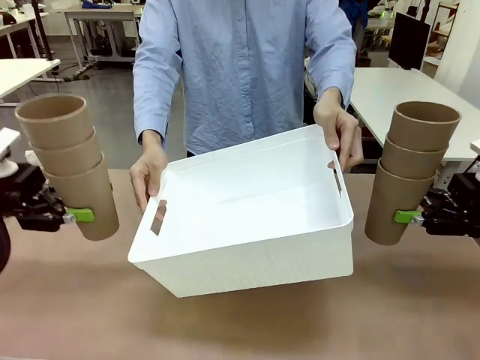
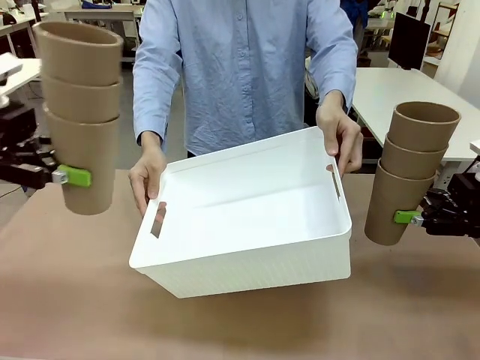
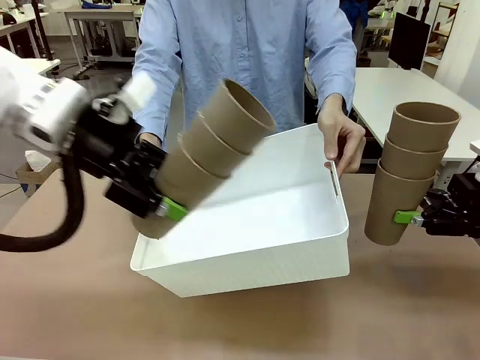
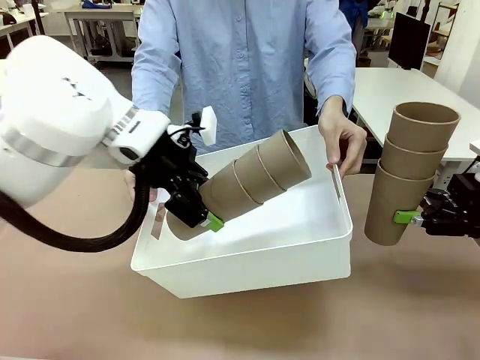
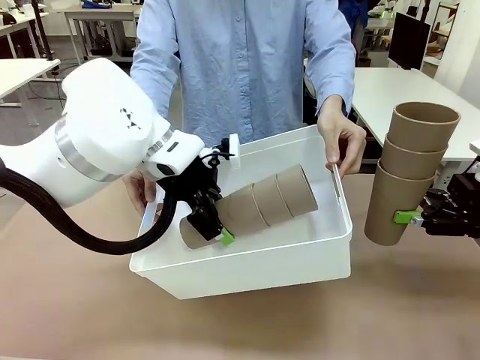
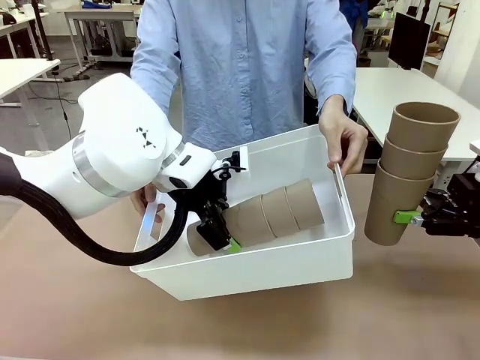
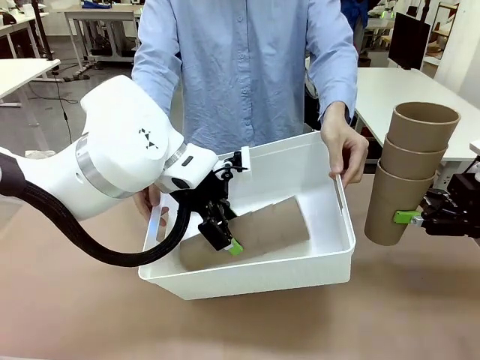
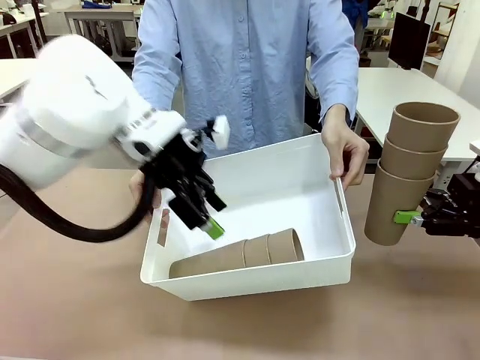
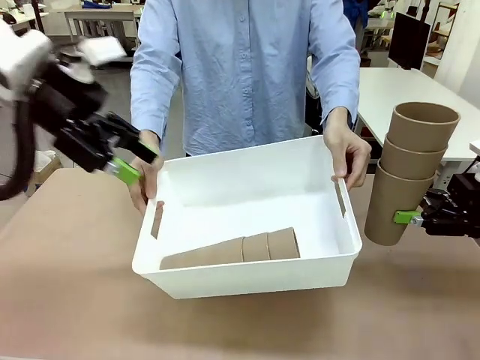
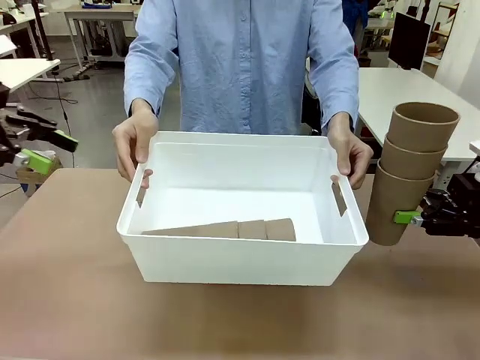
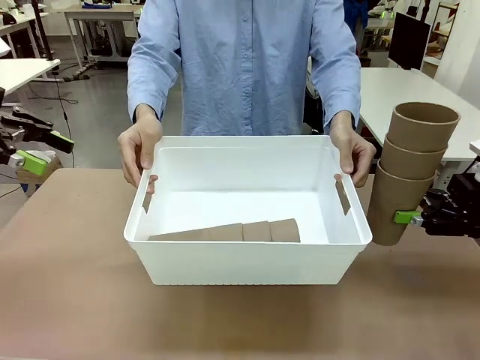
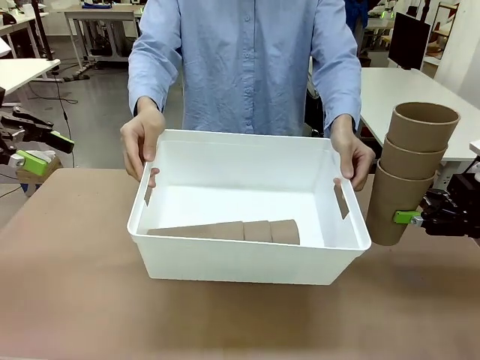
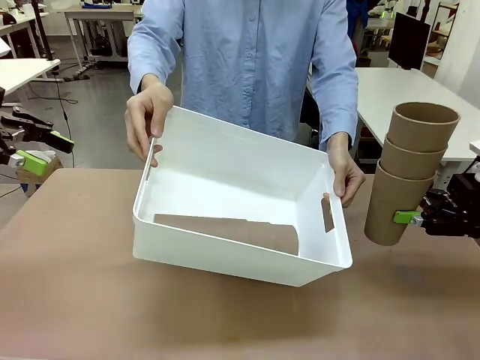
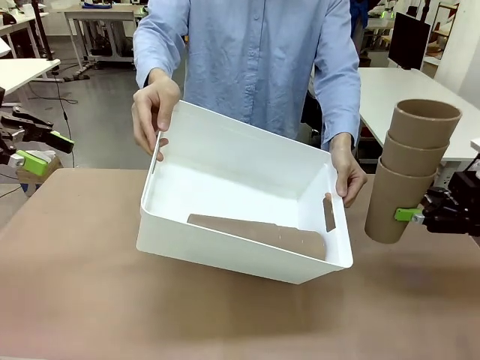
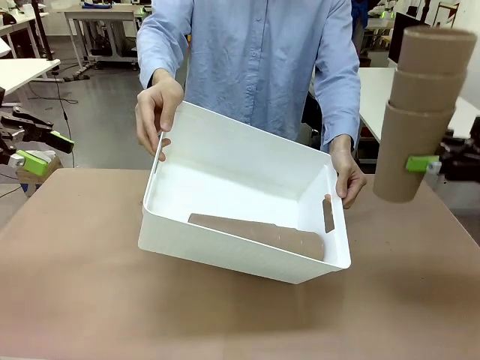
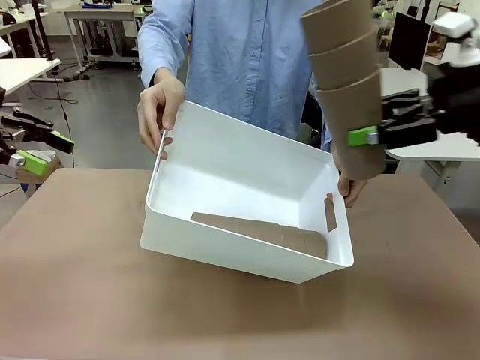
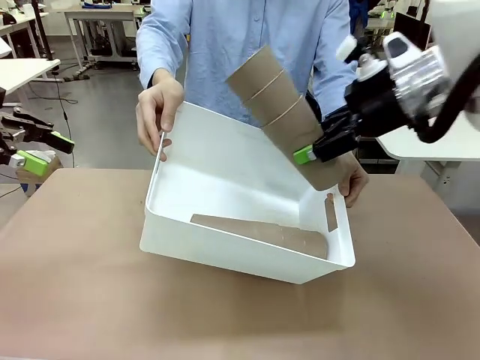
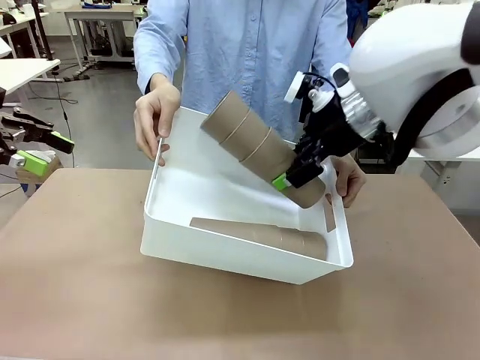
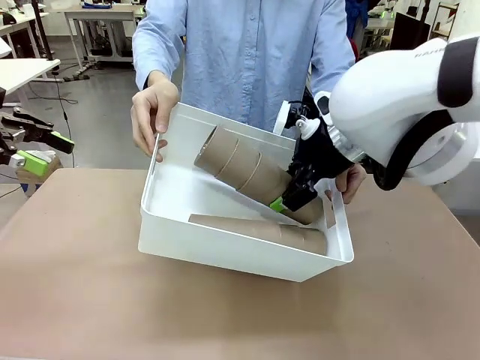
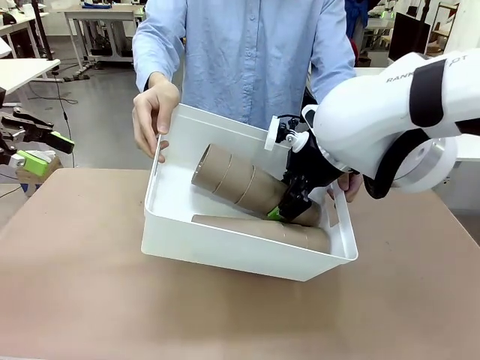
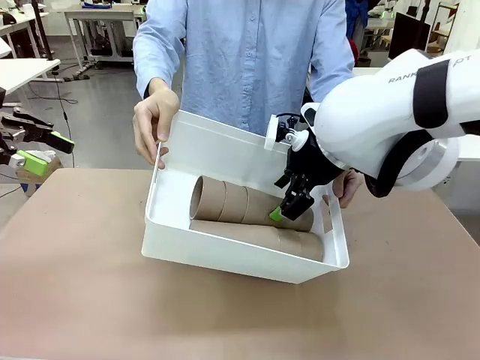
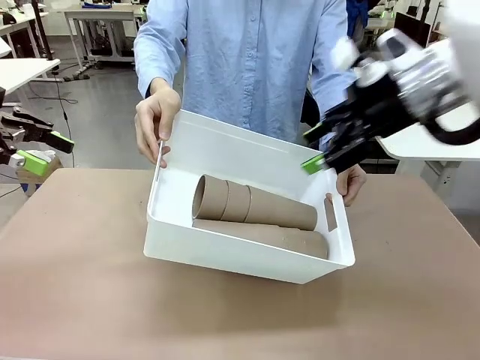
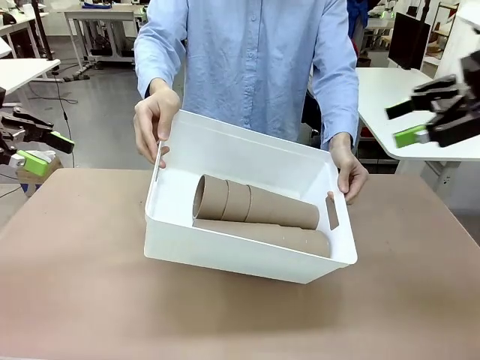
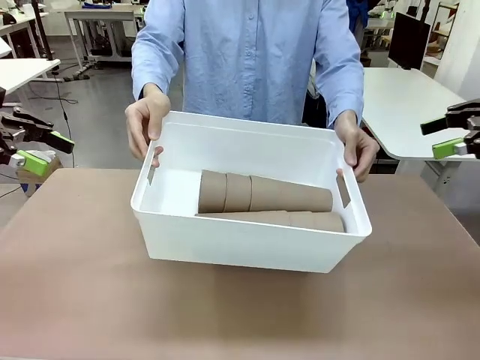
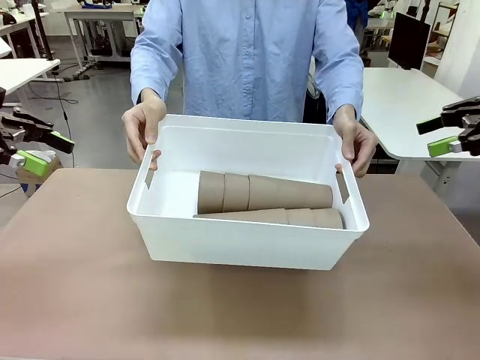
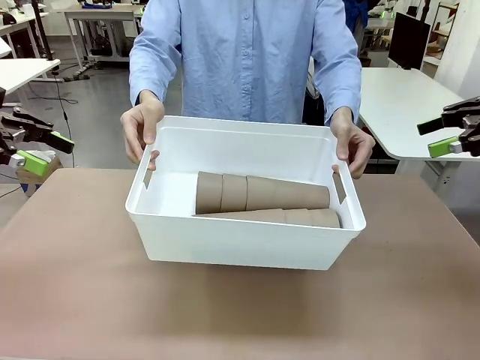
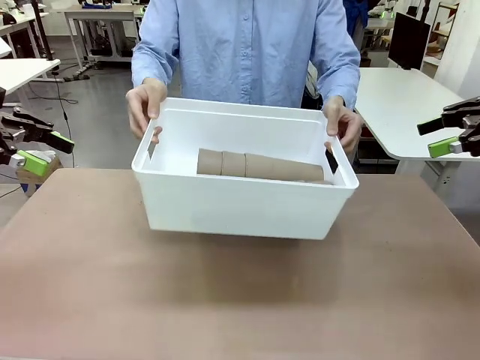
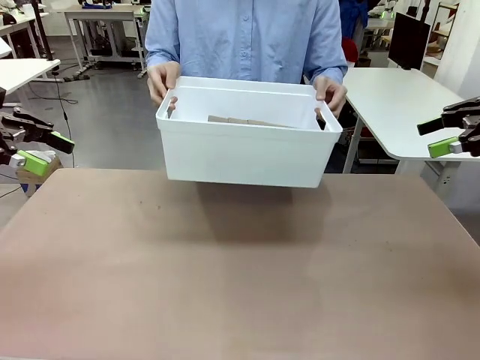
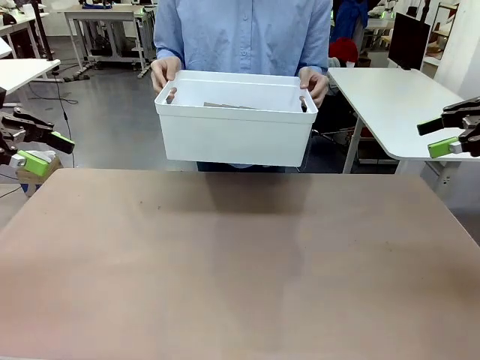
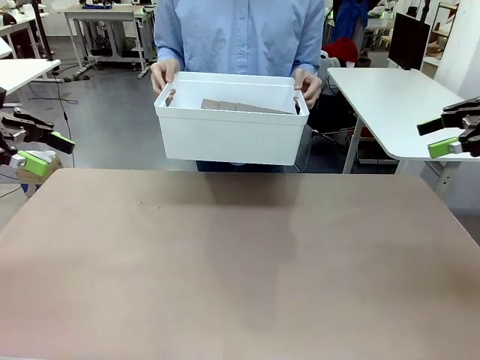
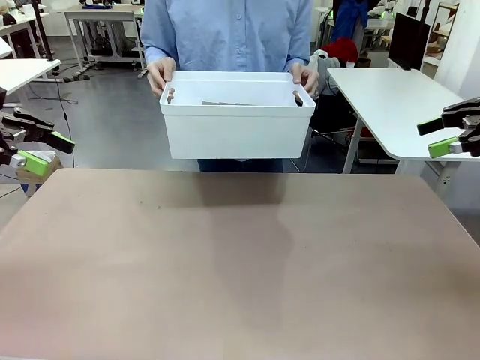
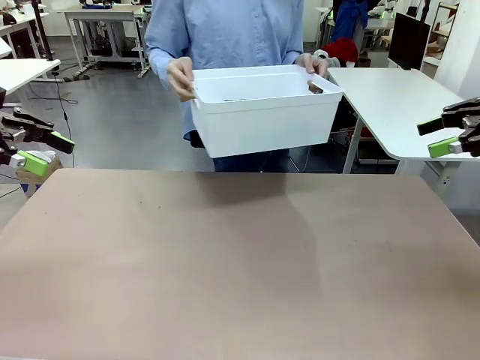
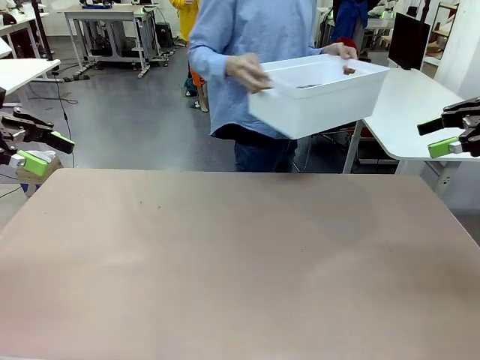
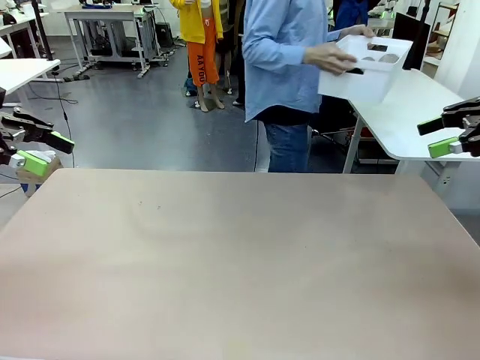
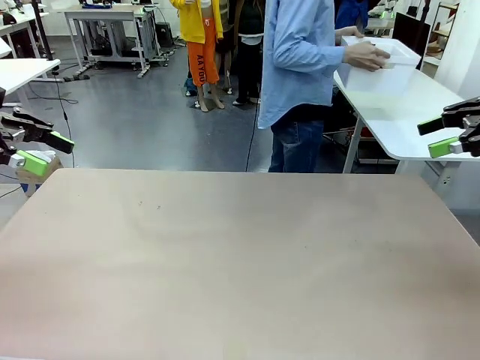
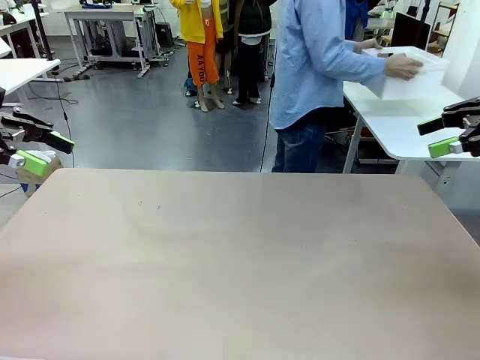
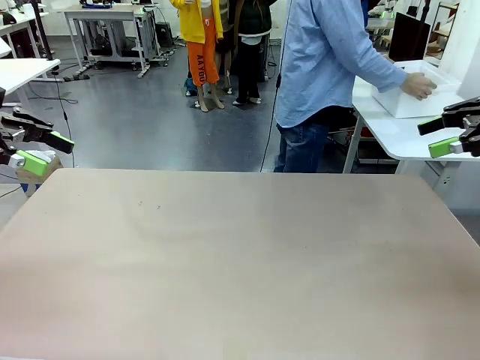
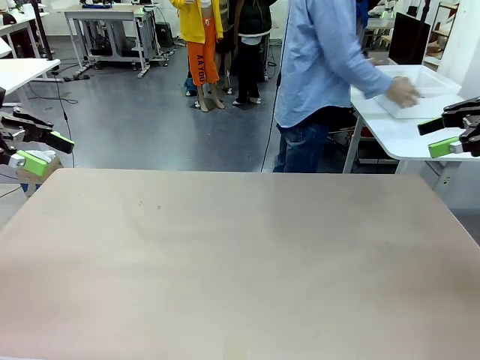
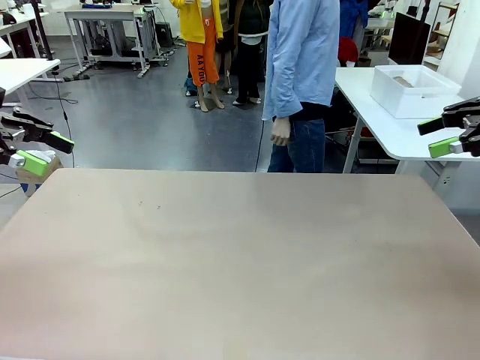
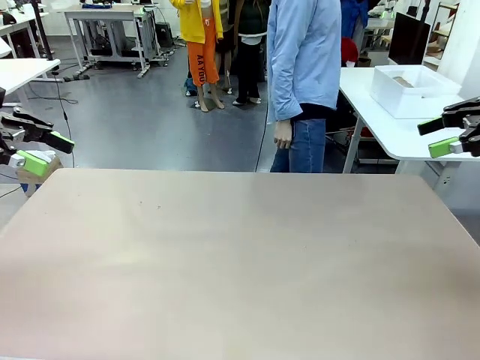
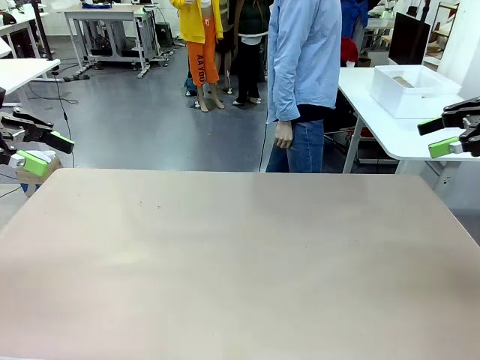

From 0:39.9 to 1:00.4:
Task: Stack the cups and store them in the basket.
Robot: Place the stack of Reusable plastic cups into the Pantry Basket.
Person: Place the basket containing the cups in the middle of the Human Table.

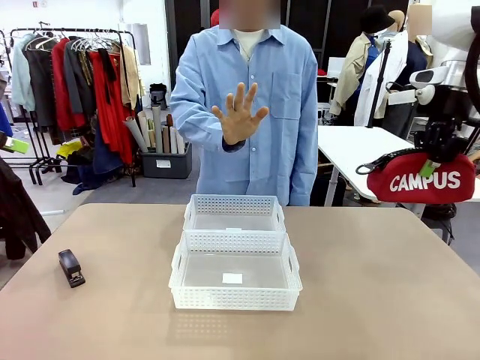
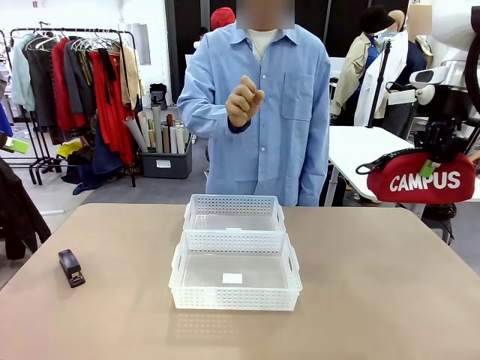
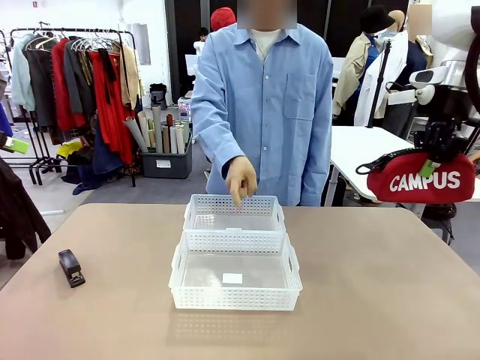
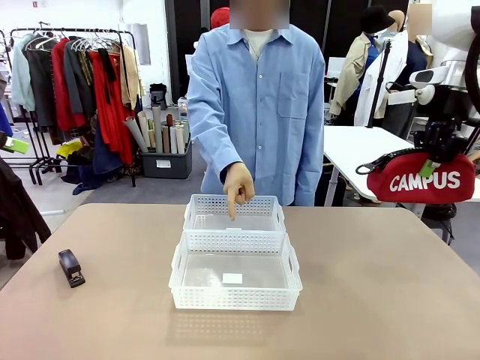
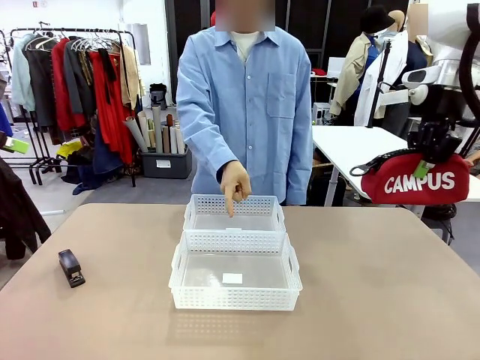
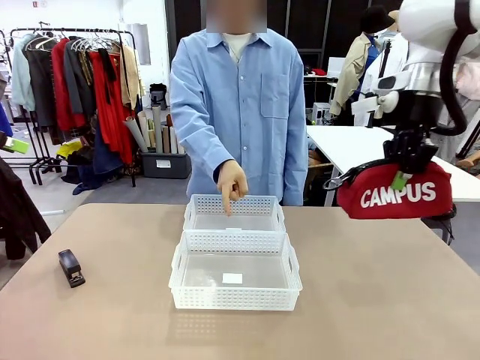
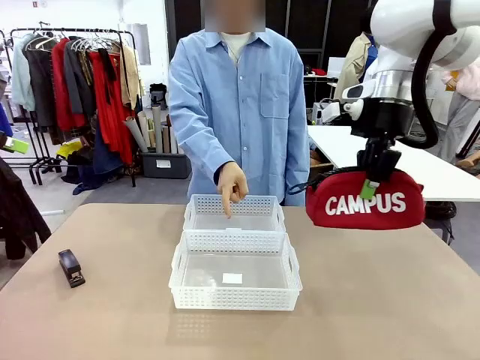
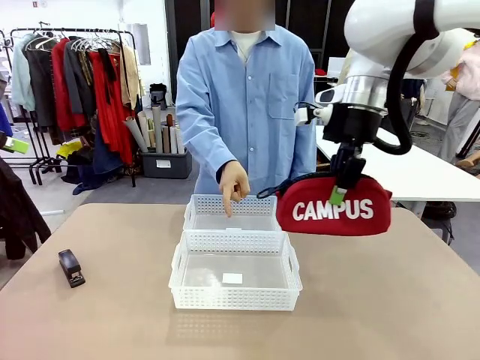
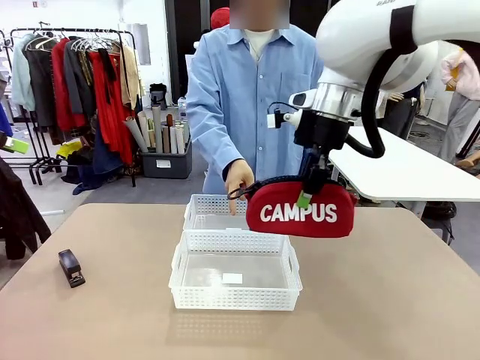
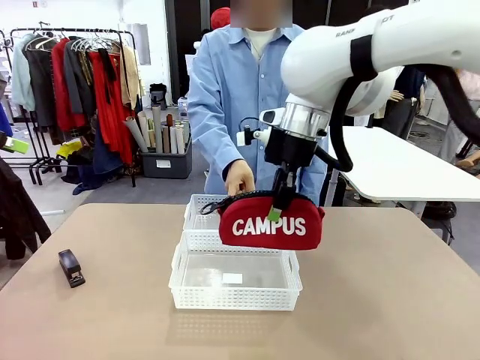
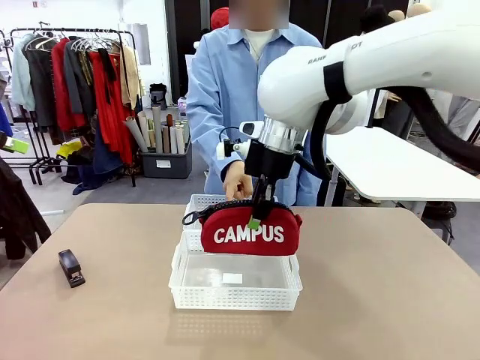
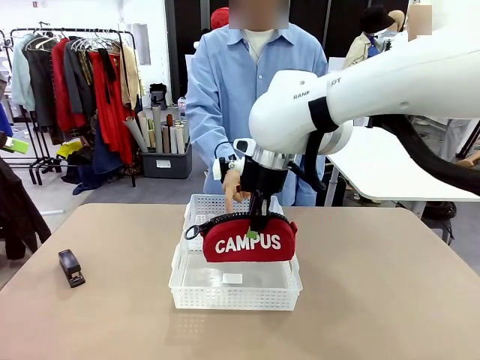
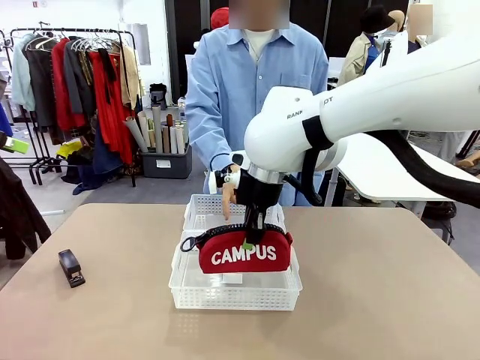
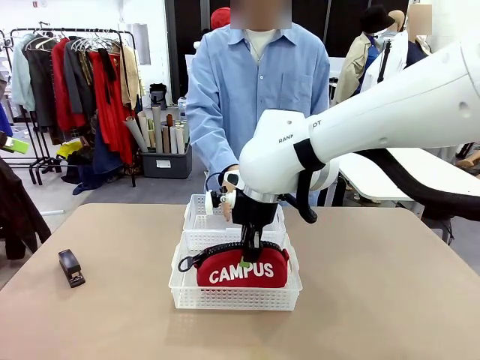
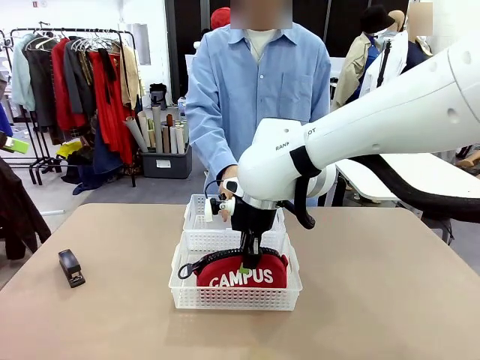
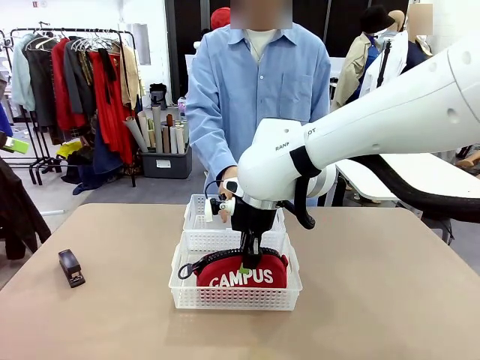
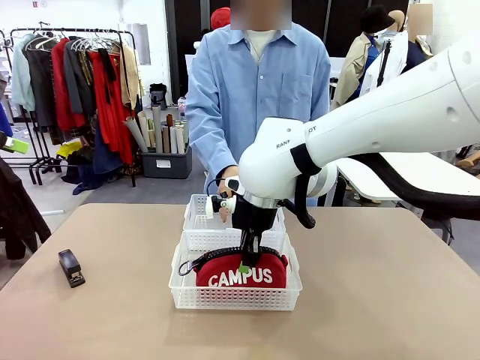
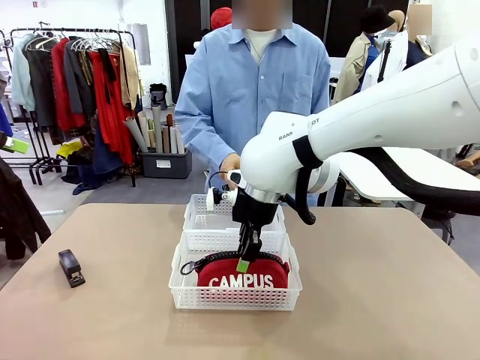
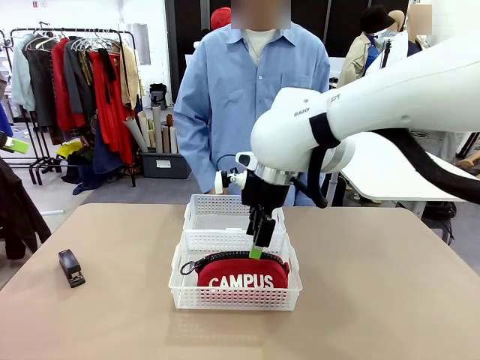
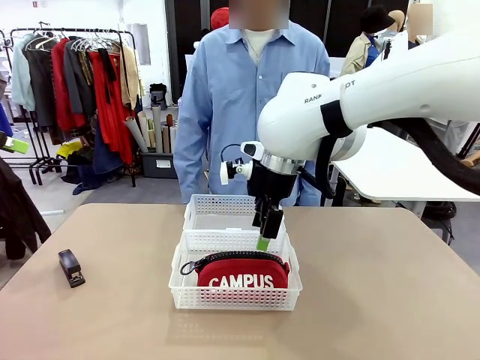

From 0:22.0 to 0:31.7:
Task: Distribute items into two baskets.
Robot: Place the picked Pencil pouch into the Organizing basket as instructed by the person.
Person: Instructs the robot to place the pencil case into the opposite basket. Points to the stapler.
